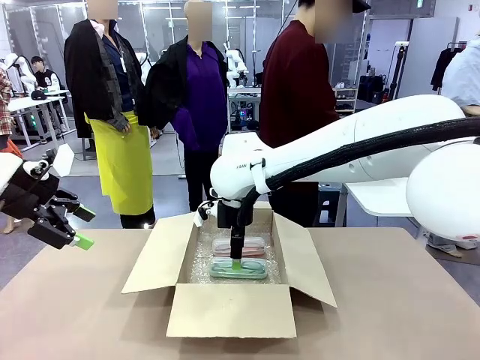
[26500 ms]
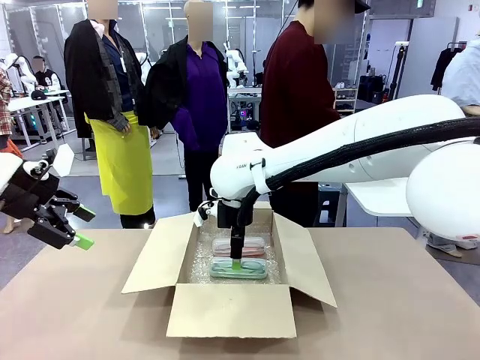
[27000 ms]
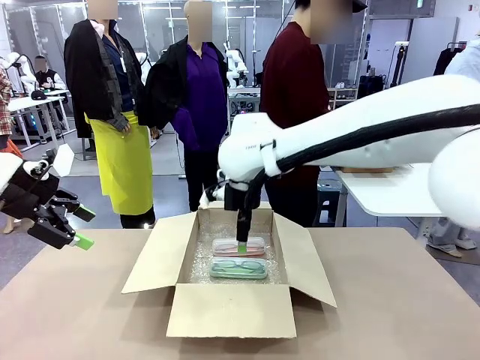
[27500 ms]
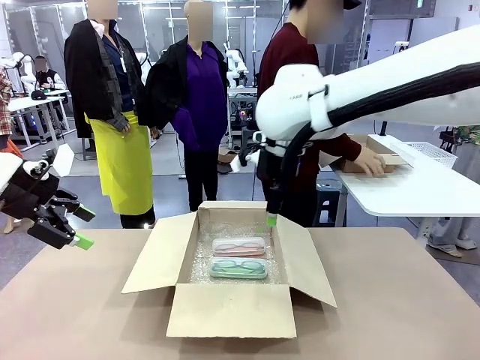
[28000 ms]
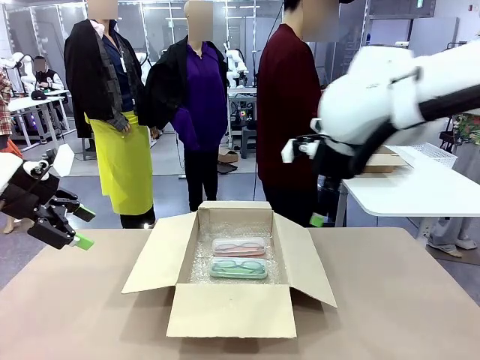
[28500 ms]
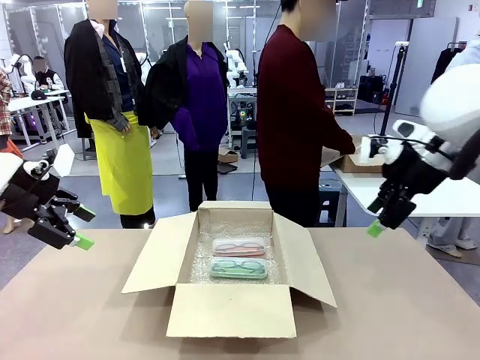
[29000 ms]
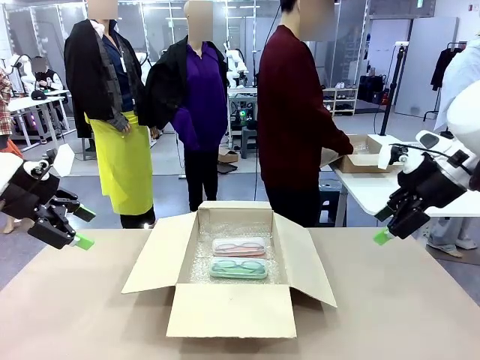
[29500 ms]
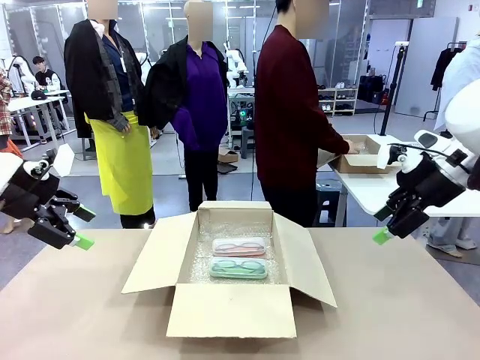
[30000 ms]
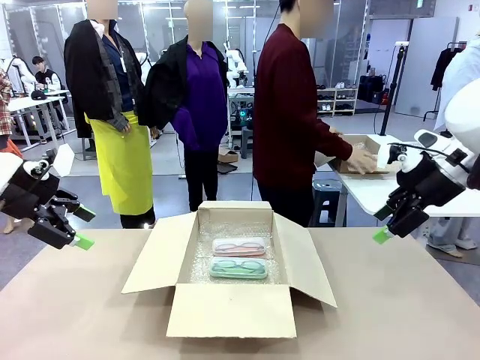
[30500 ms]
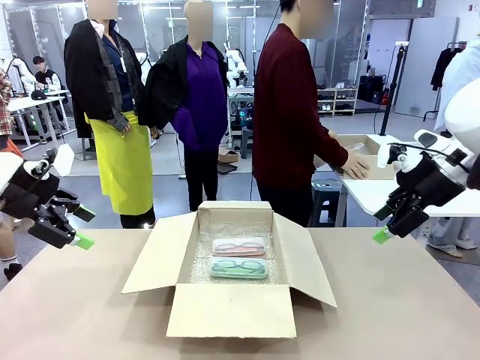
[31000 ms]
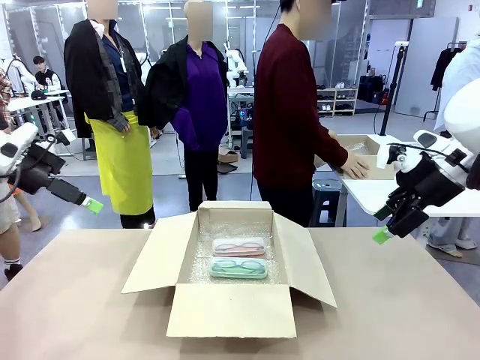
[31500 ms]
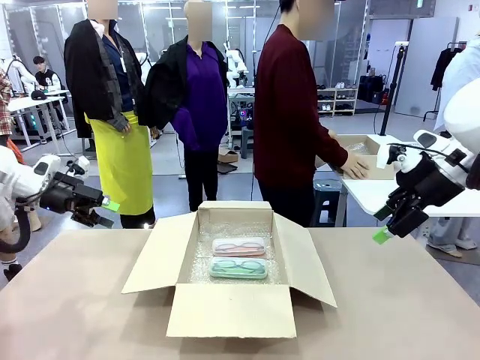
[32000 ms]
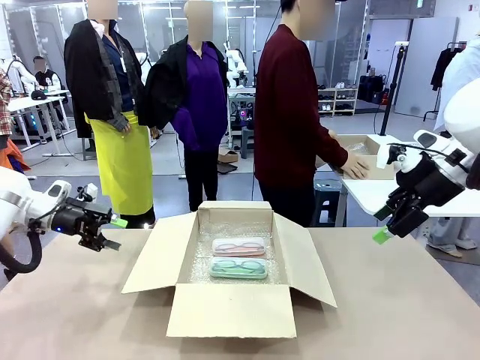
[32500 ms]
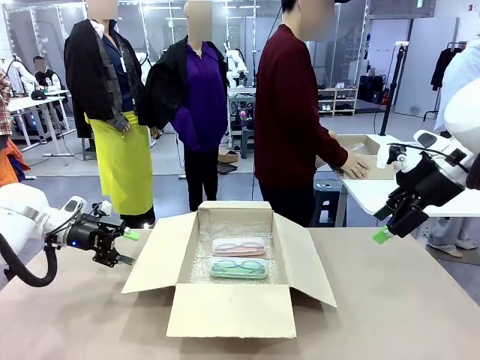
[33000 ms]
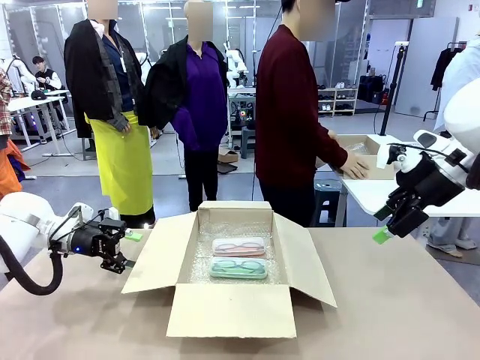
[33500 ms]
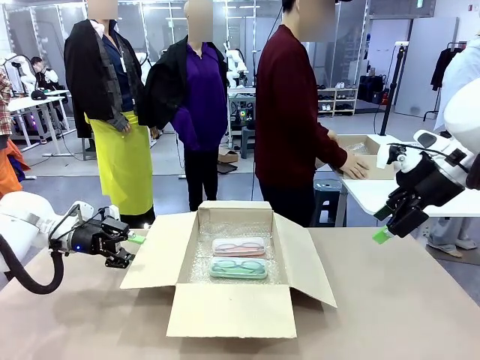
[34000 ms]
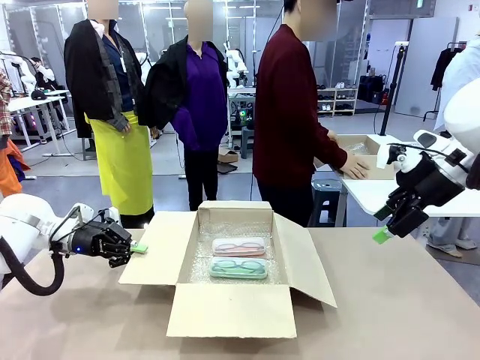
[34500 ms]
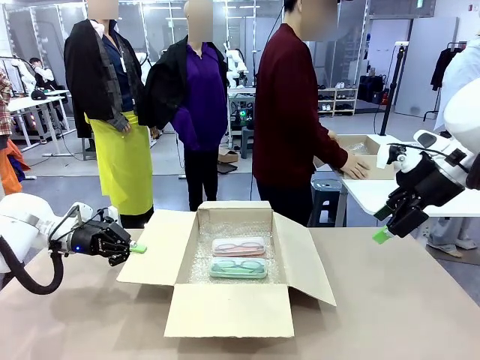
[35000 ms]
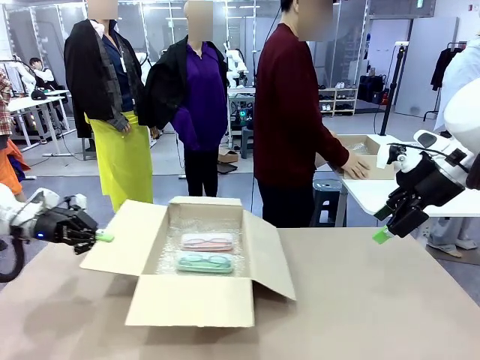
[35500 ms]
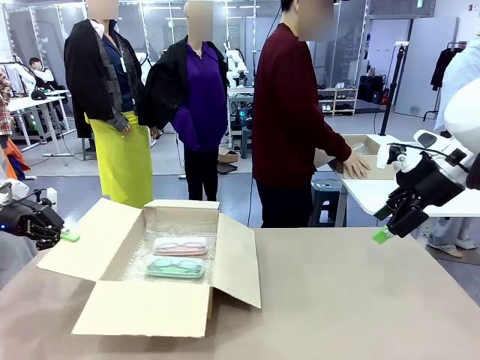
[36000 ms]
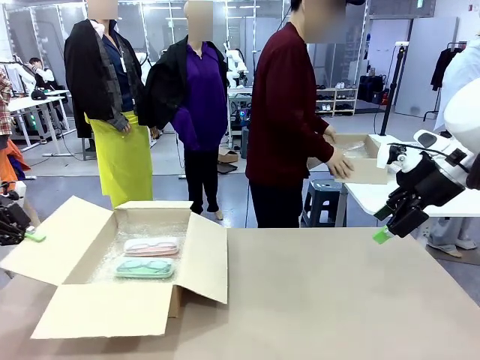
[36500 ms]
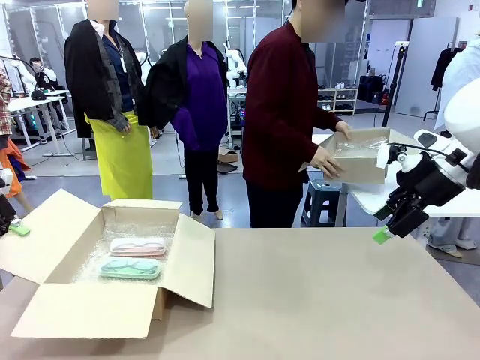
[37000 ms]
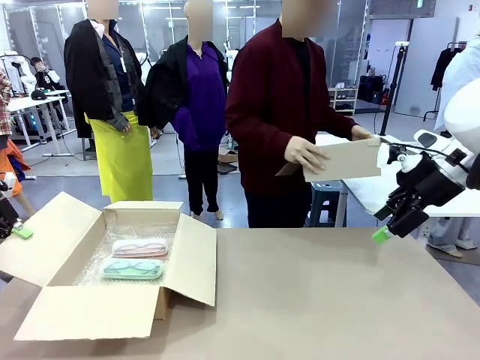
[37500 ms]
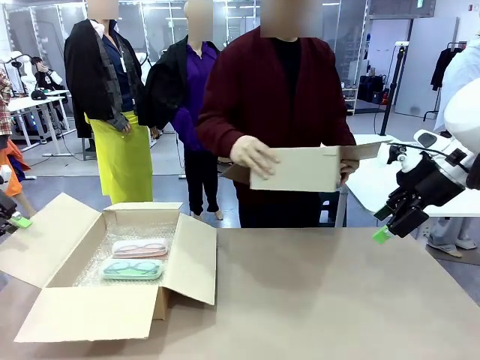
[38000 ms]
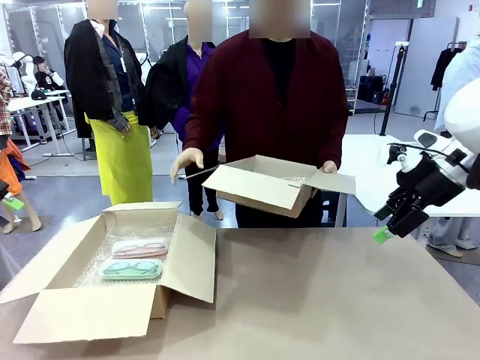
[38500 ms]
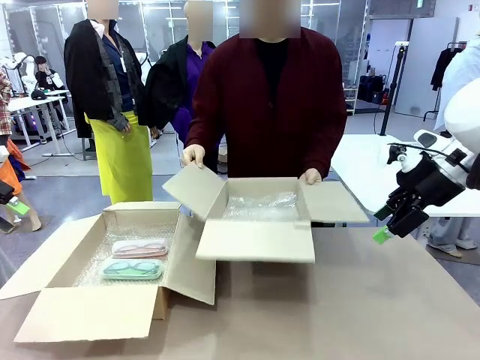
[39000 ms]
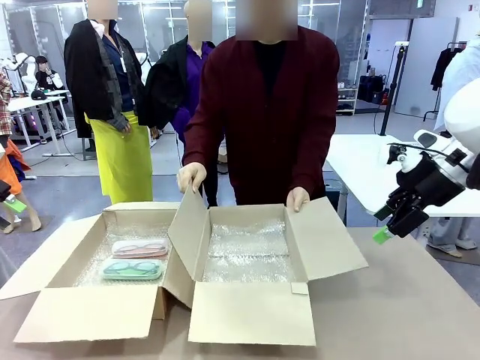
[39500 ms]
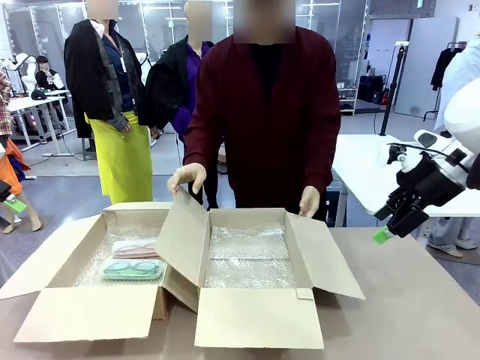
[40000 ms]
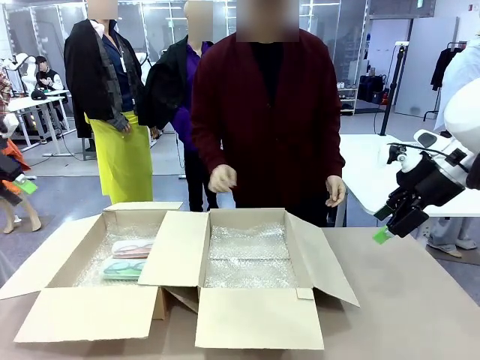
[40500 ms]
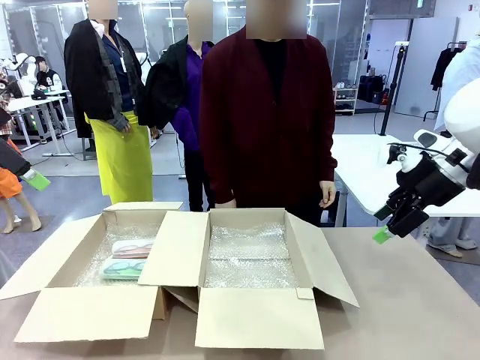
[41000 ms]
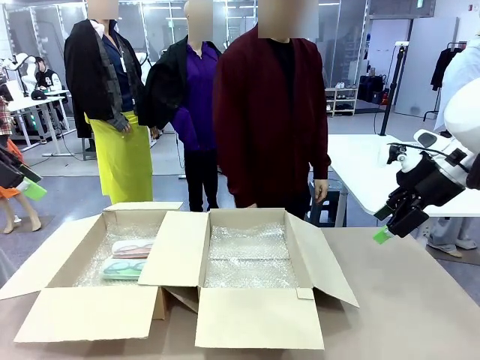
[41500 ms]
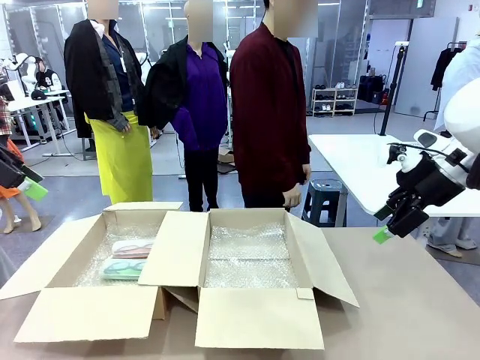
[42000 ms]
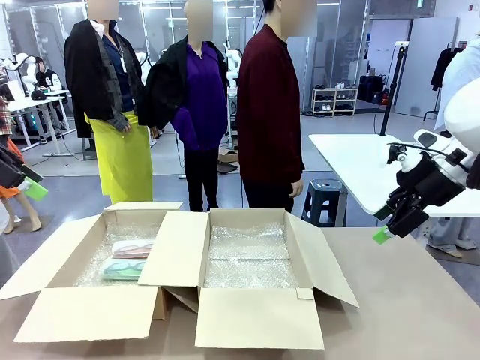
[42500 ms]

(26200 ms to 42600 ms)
Task: Pack the glasses set securely to prepare it for shipping.
Robot: Position the Package Box on the left side of the table.
Person: Position the empty Package Box in the middle of the robot's table.

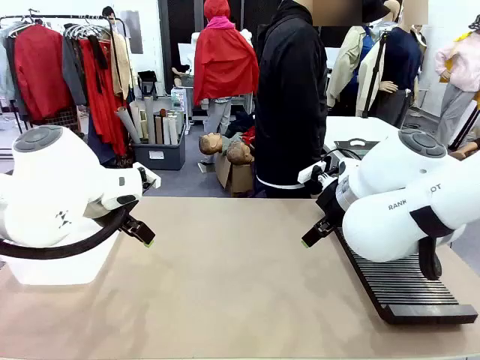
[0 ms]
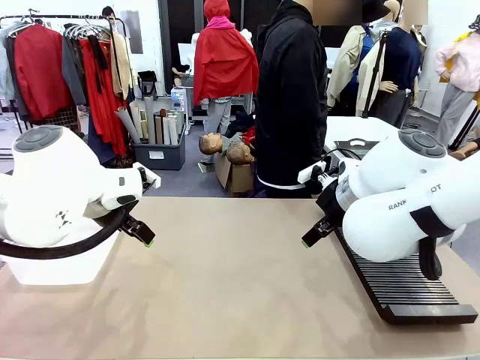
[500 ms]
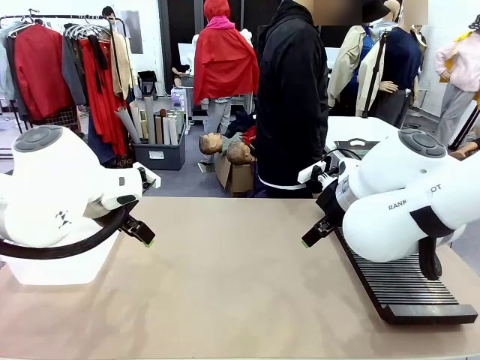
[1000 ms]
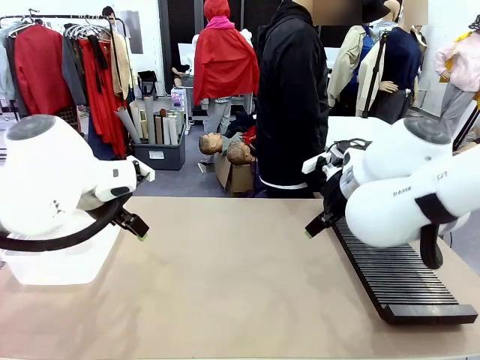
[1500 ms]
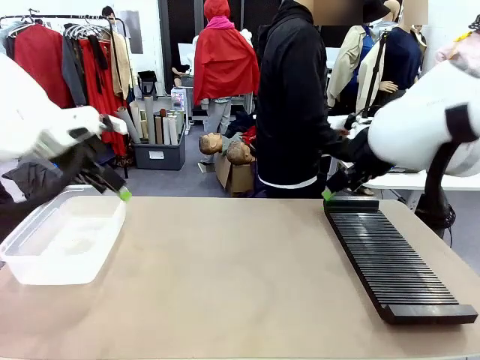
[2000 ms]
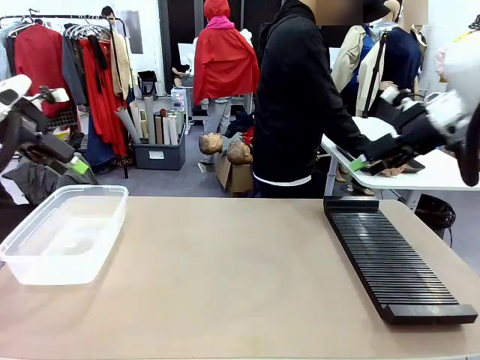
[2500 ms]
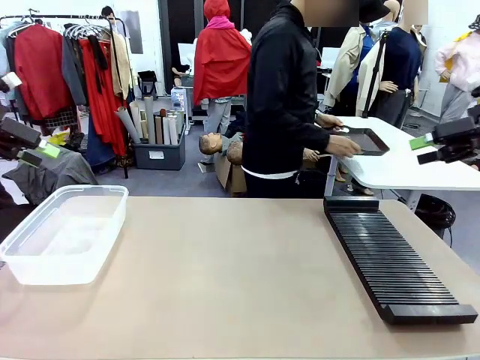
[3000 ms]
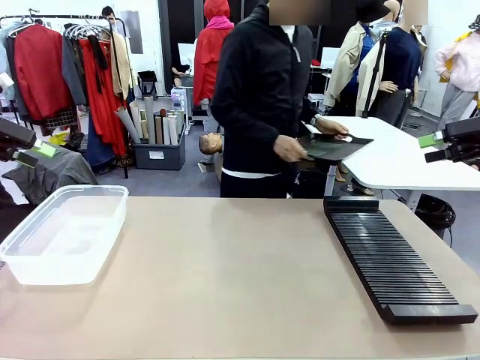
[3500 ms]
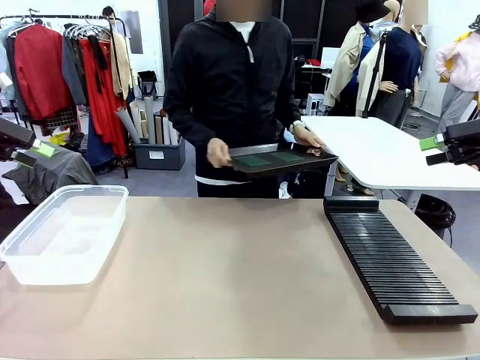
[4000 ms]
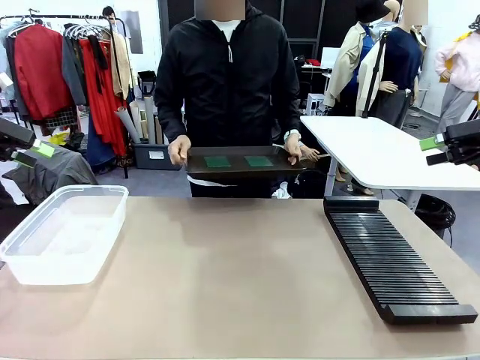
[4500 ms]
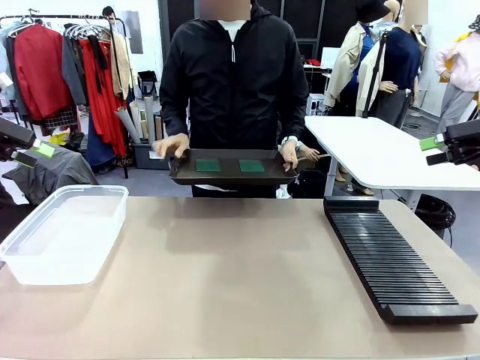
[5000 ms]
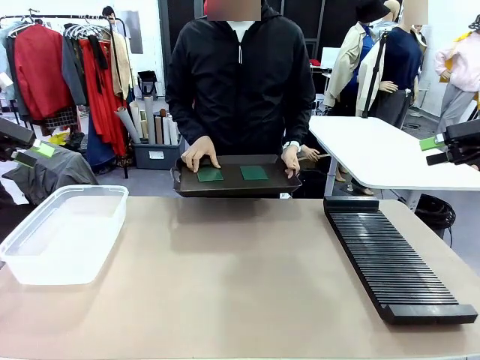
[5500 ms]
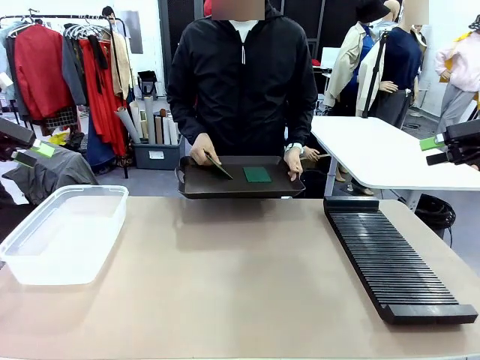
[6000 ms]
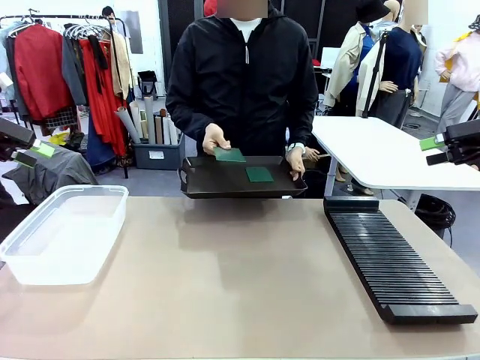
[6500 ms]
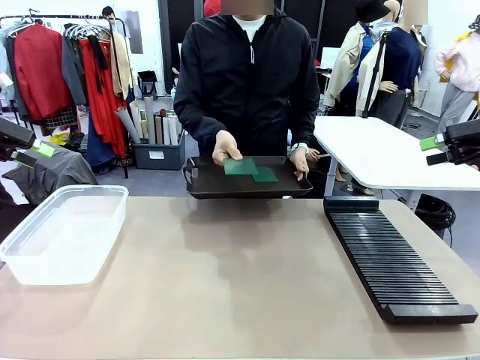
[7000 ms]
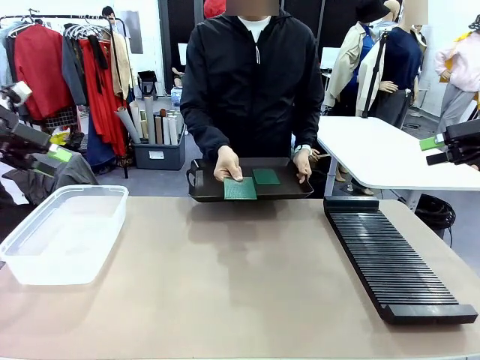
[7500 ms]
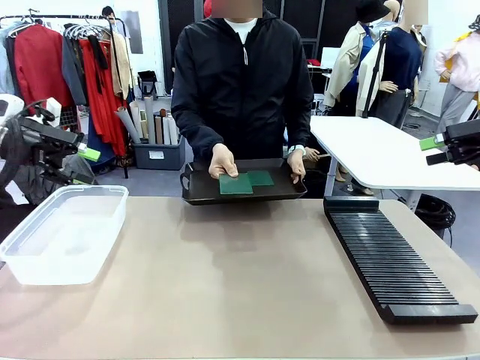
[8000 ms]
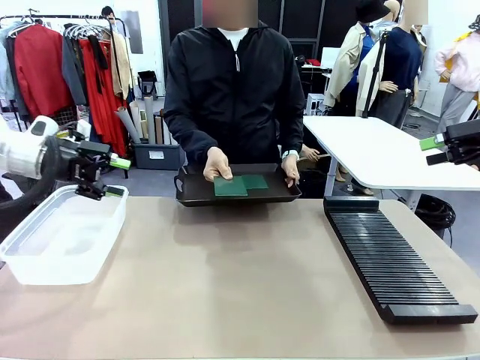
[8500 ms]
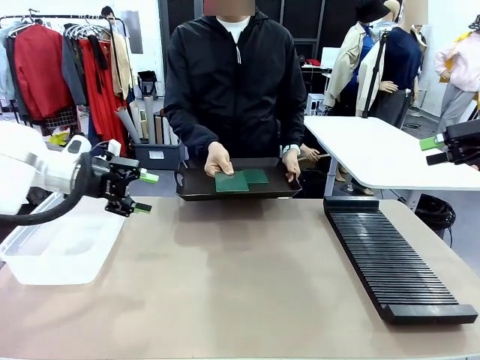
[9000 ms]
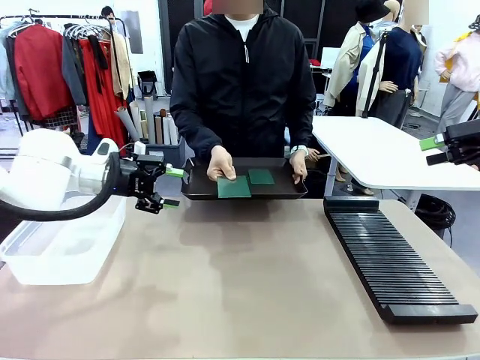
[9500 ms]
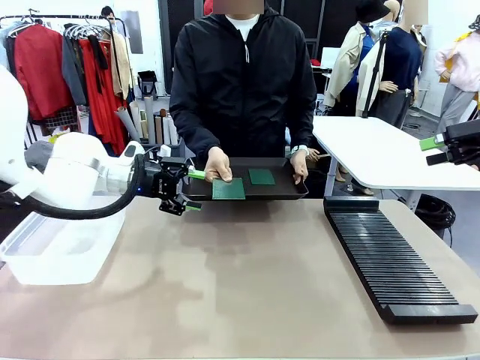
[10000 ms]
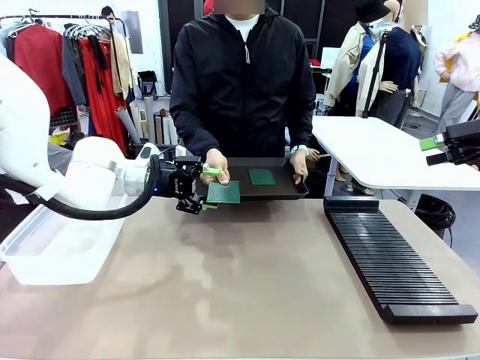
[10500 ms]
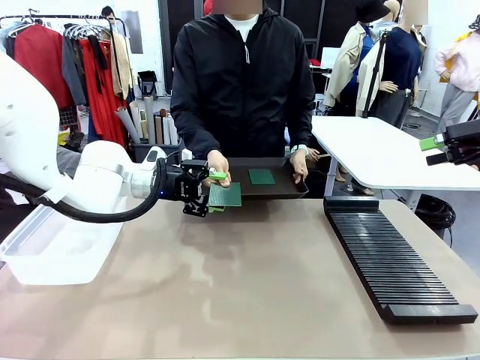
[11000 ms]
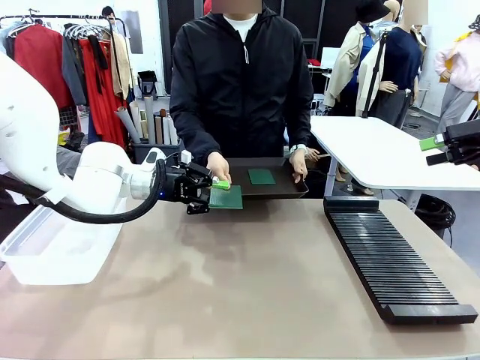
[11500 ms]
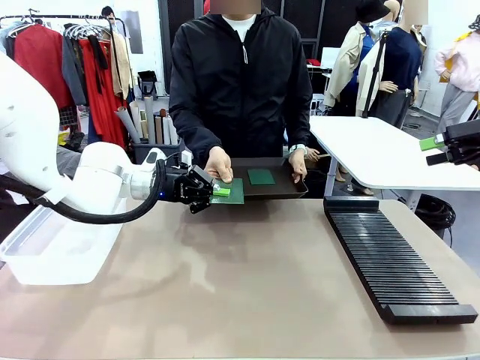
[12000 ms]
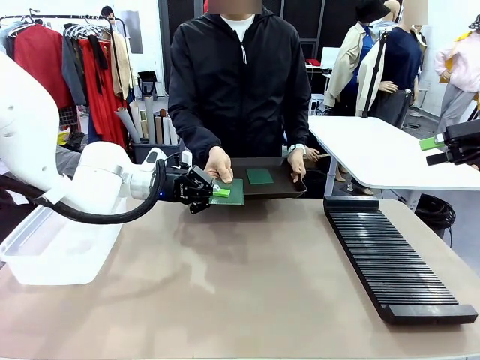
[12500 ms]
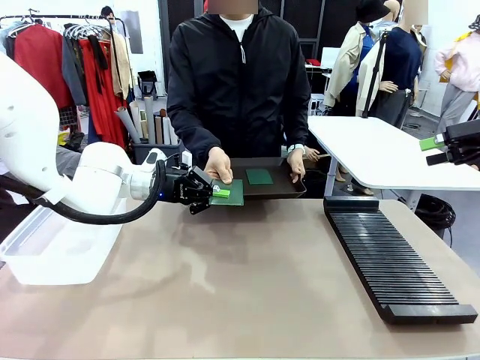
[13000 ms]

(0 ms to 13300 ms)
Task: Sort PCBs into racks and boxes based on the side picked up.
Robot: Pick up the Blank PCB handed by the Human.
Person: Pick one PCB from the tray and present it to the robot. Release the PCB being held.
